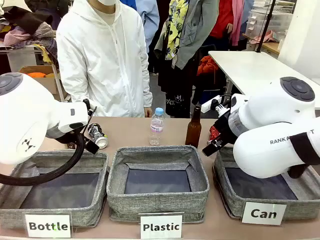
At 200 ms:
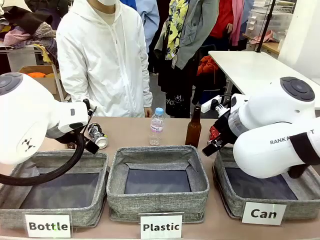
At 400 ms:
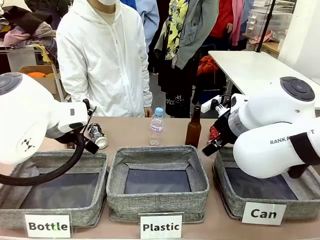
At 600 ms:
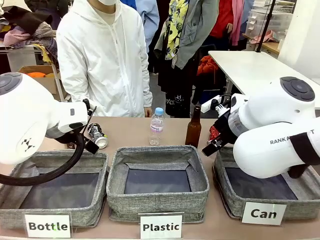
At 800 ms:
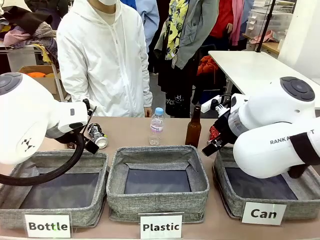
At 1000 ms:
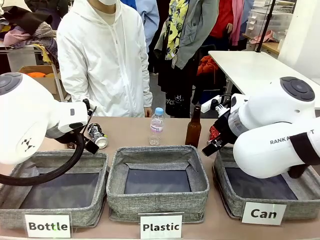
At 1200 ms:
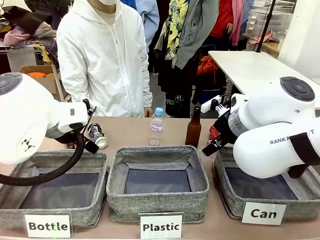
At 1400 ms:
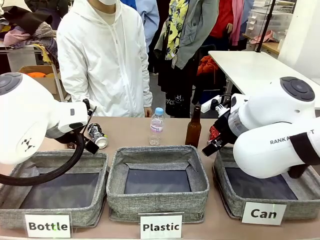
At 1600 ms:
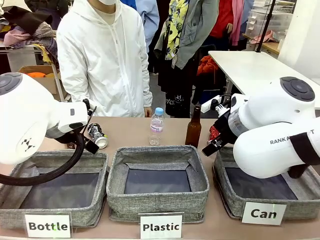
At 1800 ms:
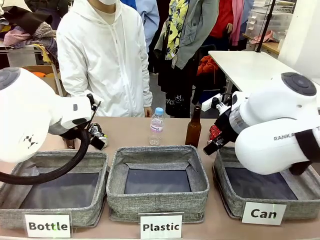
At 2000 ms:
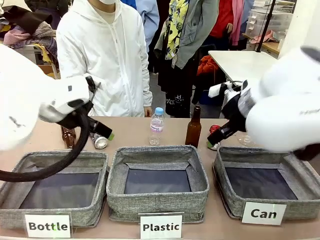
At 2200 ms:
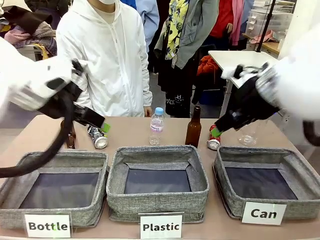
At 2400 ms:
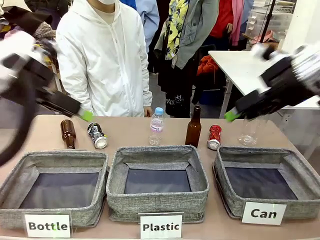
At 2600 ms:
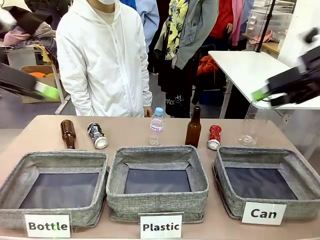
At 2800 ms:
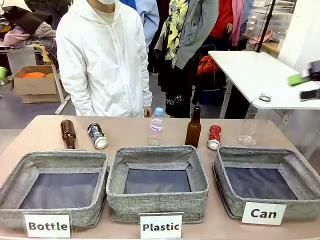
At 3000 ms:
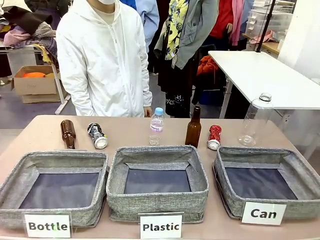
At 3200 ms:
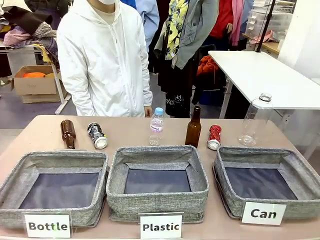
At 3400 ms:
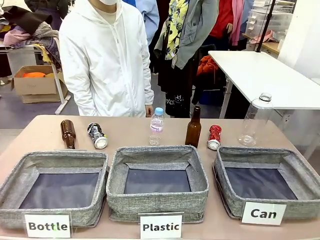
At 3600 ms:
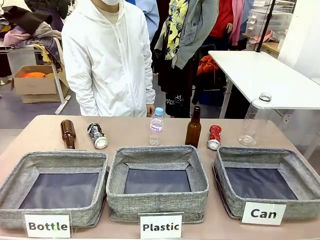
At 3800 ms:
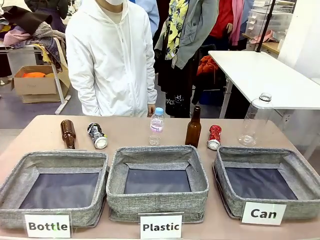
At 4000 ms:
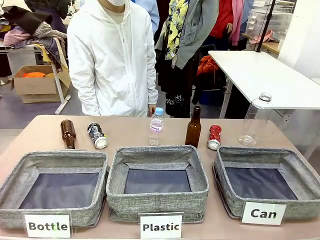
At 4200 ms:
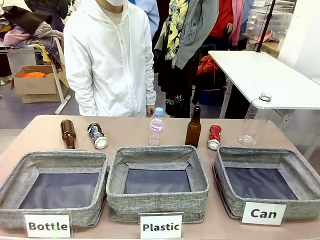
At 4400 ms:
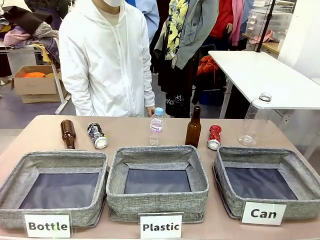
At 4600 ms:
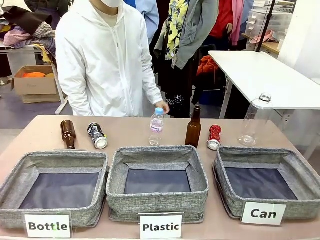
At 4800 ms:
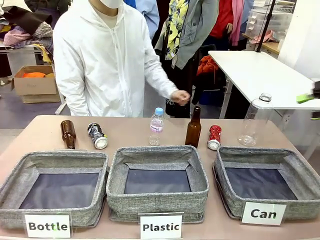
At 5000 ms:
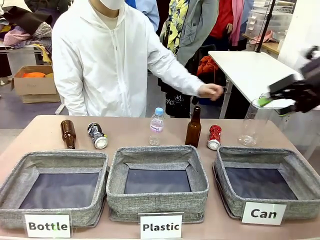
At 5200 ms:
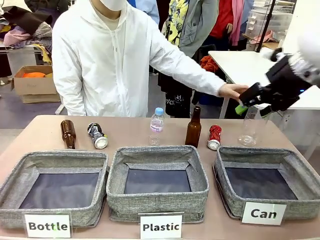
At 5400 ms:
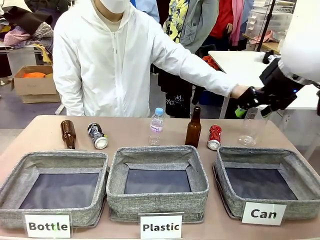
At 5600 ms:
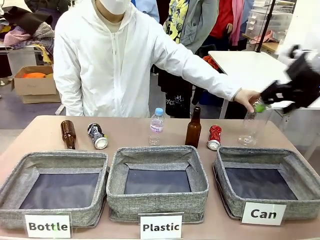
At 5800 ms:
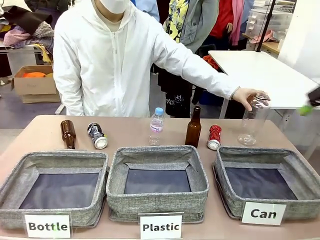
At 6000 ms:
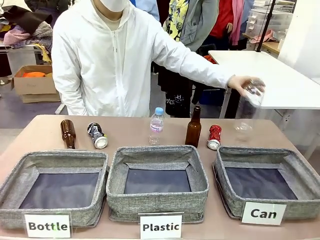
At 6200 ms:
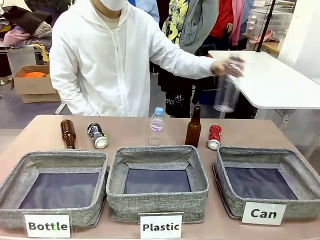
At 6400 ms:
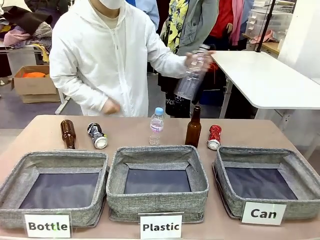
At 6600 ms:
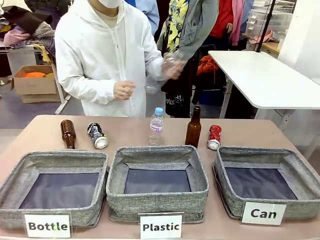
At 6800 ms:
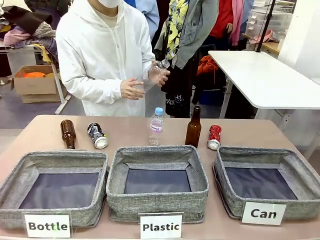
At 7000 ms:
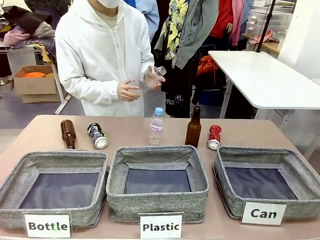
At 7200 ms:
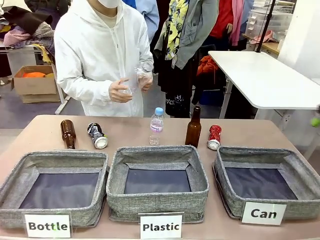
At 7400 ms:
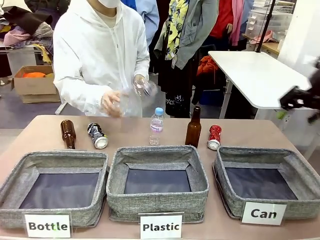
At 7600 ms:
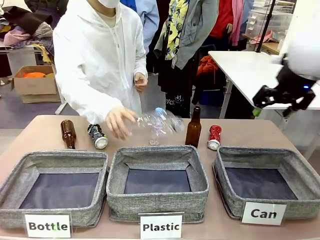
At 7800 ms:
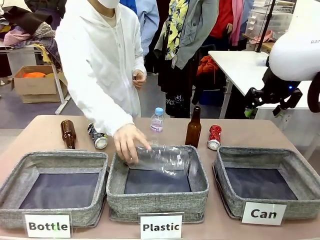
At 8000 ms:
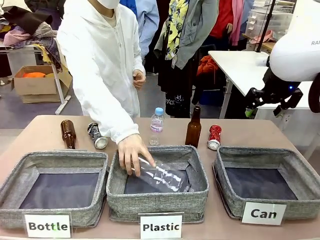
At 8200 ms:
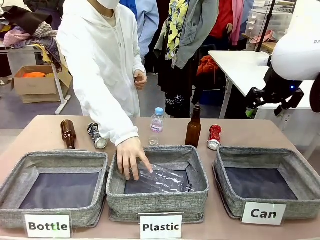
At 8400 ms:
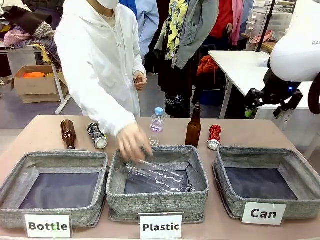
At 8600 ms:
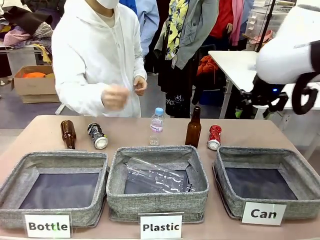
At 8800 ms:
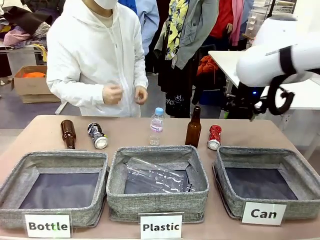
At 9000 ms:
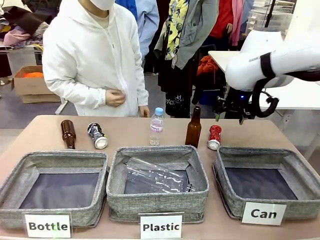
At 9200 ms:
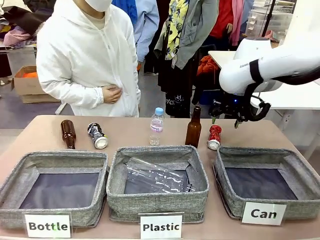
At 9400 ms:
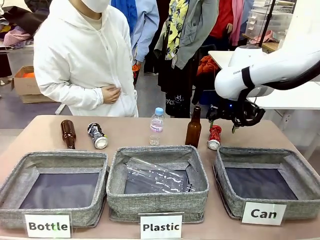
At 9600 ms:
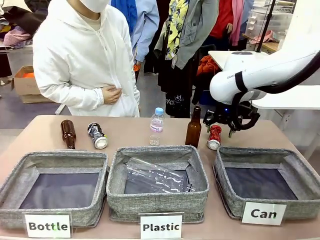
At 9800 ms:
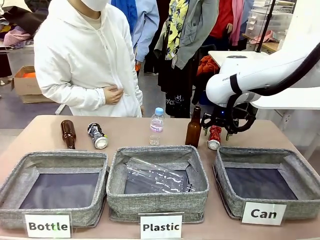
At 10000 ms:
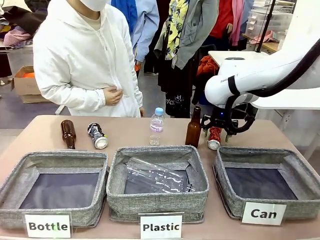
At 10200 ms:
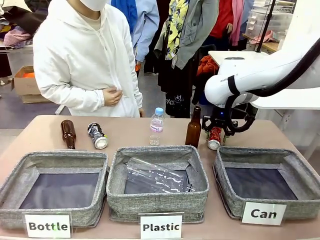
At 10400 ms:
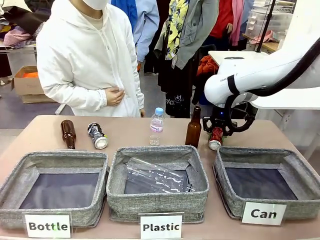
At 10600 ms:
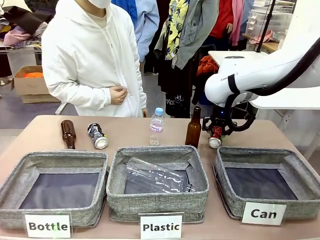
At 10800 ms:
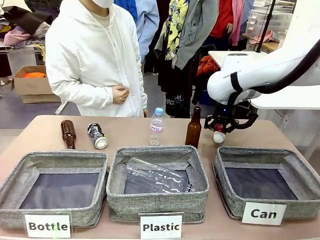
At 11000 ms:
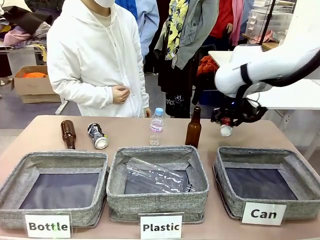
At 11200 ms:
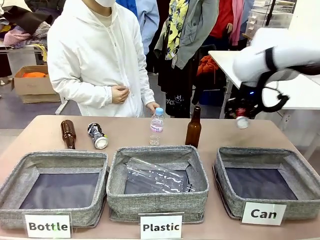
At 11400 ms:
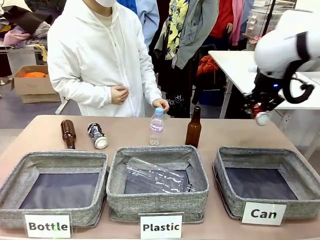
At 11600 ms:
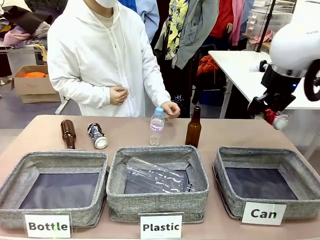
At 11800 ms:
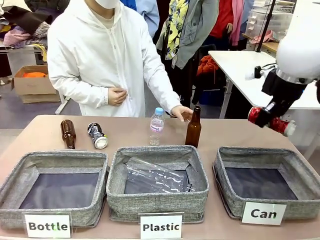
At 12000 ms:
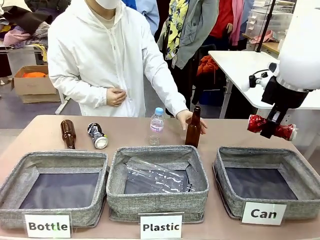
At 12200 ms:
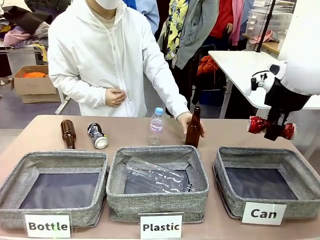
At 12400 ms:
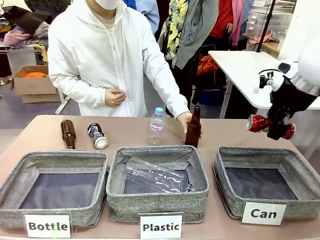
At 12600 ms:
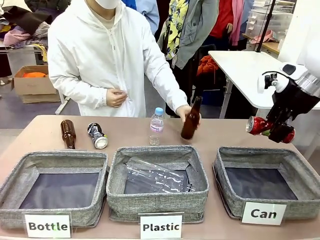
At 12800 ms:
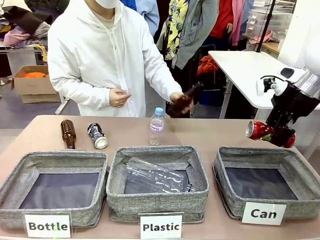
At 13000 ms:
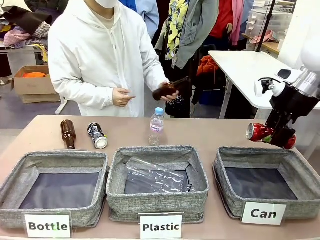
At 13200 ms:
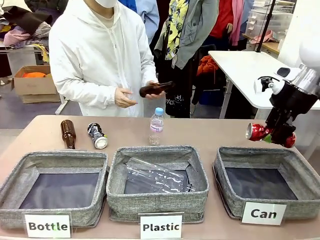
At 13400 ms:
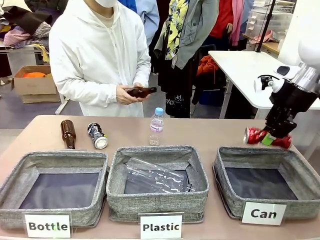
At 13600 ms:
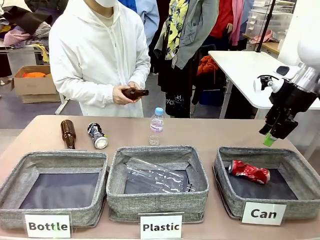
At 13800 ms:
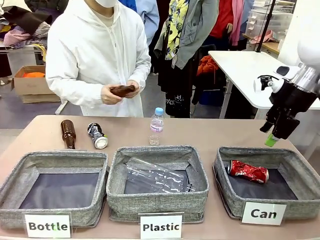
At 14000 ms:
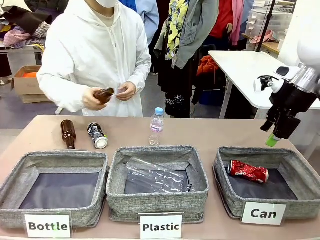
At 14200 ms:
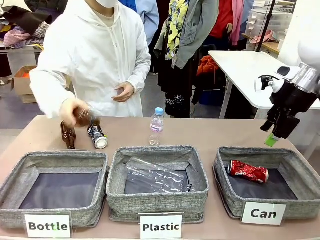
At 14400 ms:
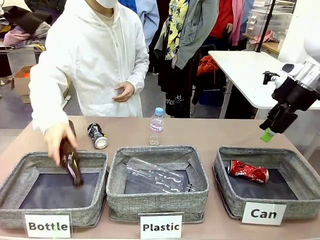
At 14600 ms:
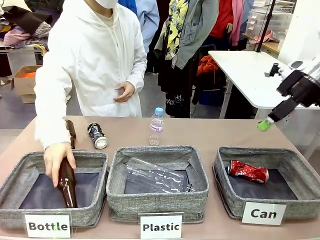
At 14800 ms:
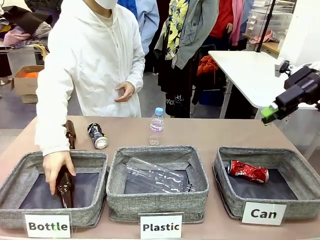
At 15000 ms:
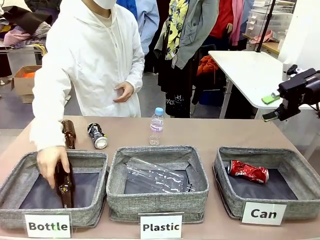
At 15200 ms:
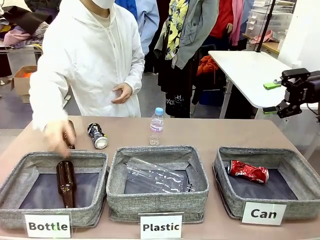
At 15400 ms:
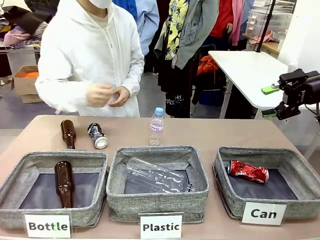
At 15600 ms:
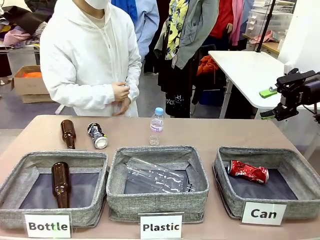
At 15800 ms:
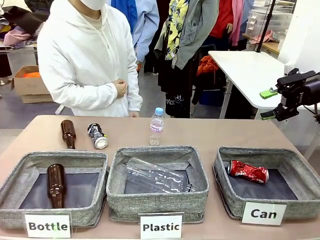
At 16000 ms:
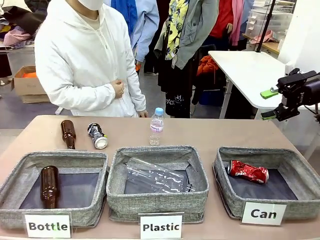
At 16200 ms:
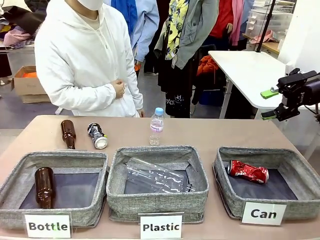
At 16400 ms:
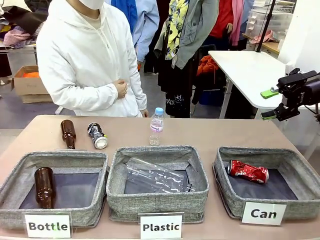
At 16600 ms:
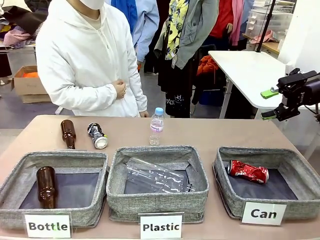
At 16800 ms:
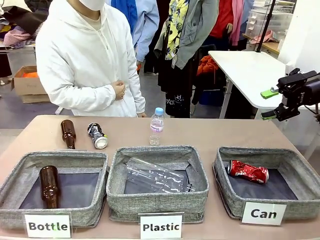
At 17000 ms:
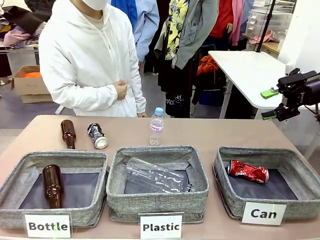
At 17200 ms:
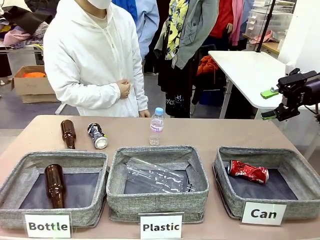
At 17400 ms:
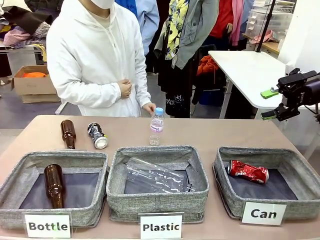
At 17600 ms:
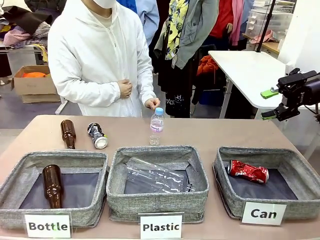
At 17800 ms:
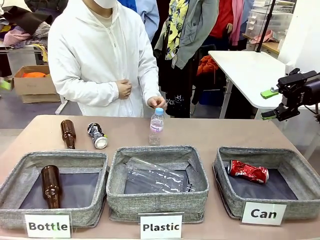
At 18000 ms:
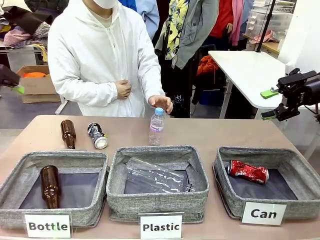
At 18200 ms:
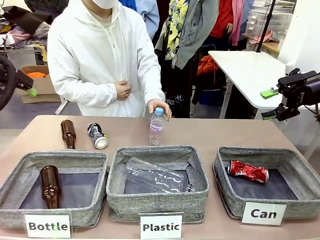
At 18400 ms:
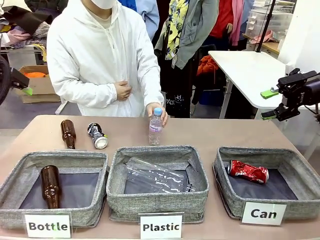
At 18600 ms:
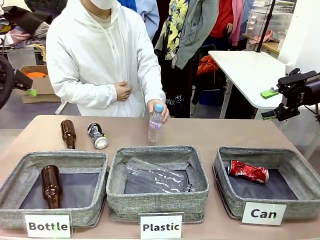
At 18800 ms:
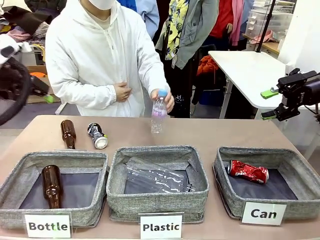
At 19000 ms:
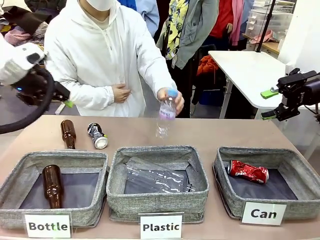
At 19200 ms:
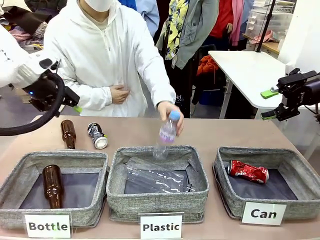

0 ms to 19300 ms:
Task: Sort the can waste into the basket.
Robot: Pick up the can waste from the table and place it in the right Fabric basket.
